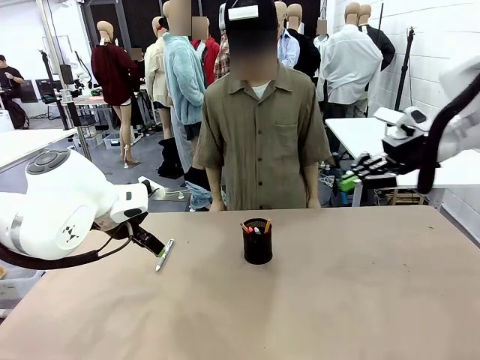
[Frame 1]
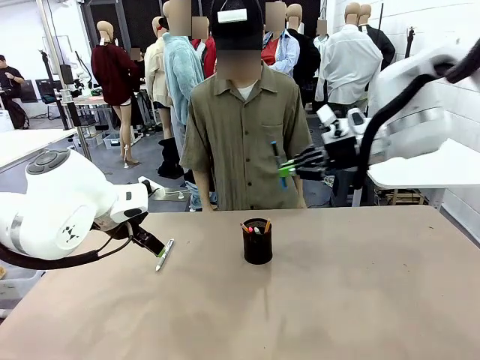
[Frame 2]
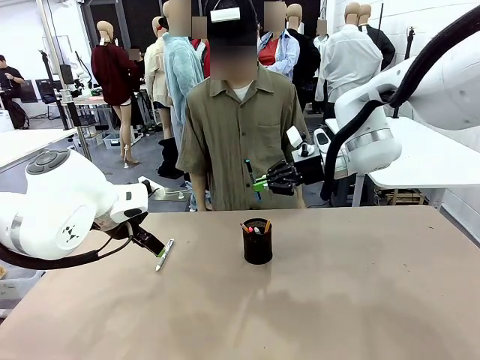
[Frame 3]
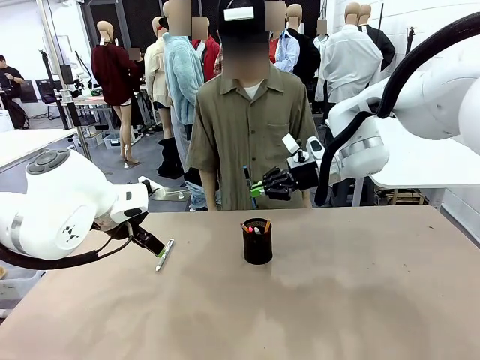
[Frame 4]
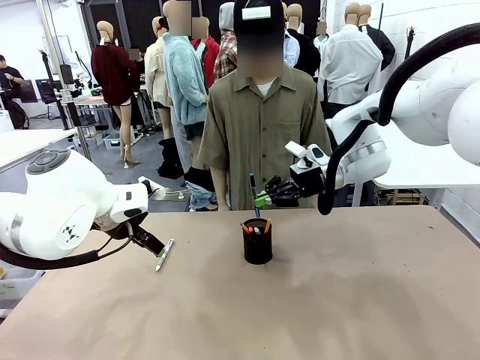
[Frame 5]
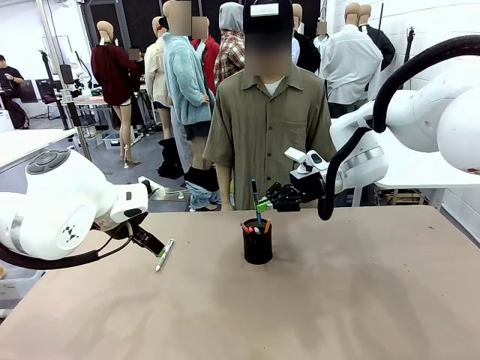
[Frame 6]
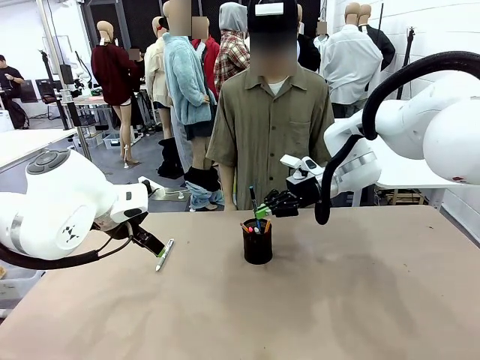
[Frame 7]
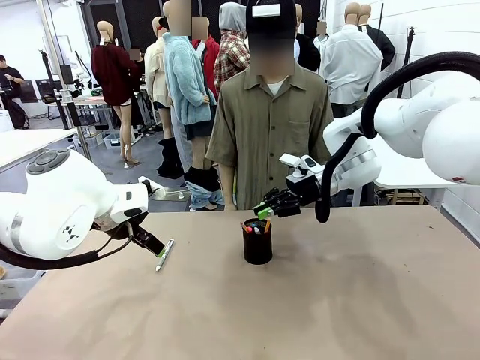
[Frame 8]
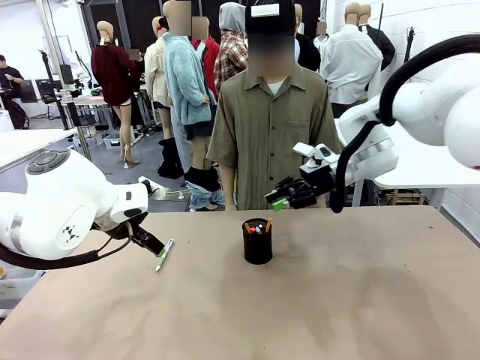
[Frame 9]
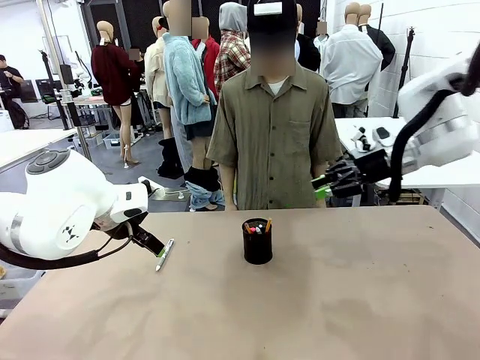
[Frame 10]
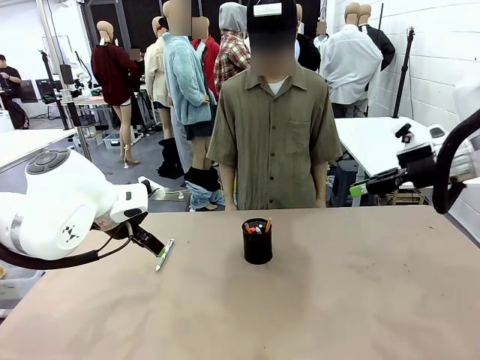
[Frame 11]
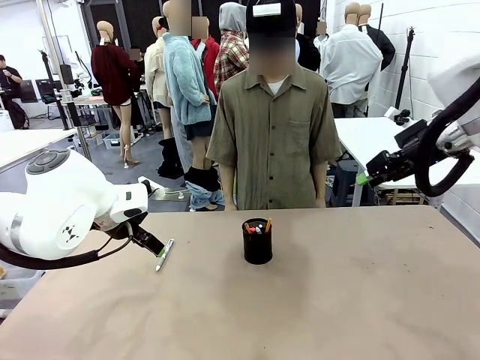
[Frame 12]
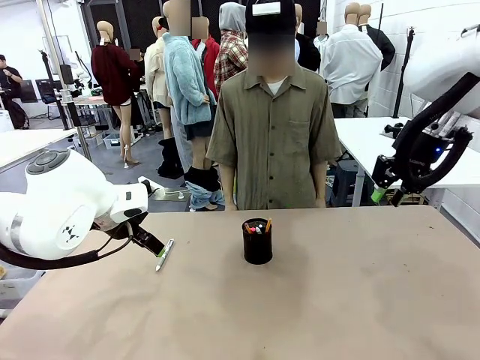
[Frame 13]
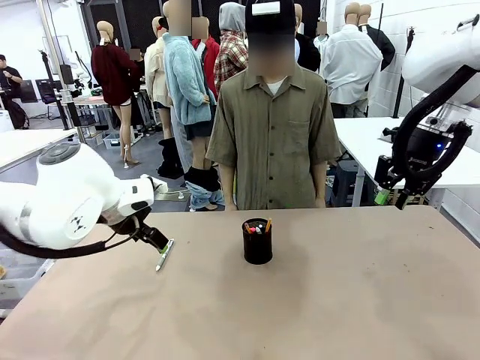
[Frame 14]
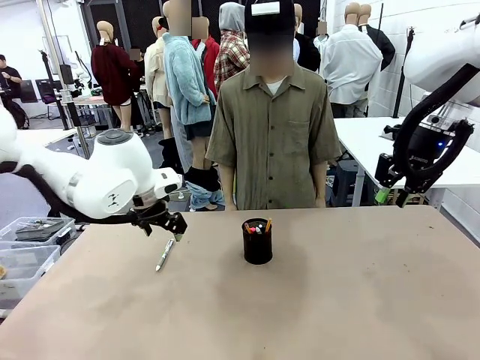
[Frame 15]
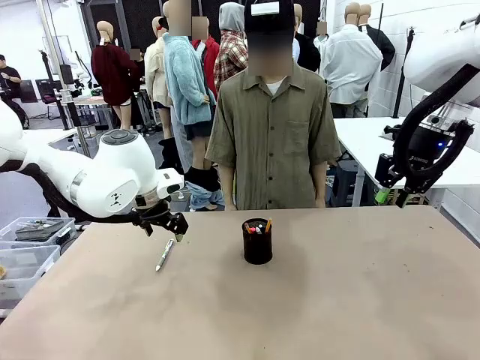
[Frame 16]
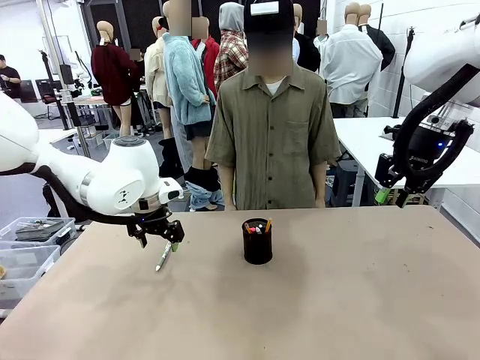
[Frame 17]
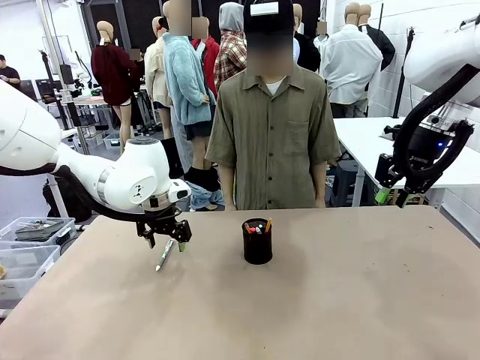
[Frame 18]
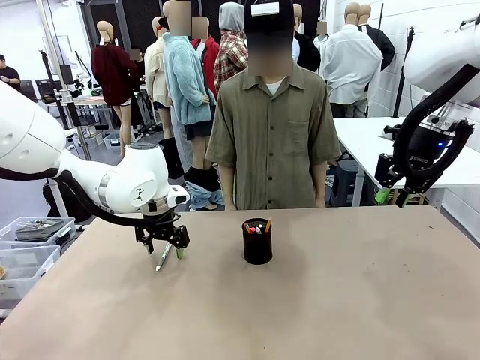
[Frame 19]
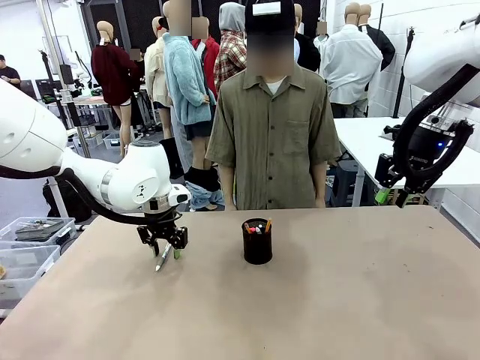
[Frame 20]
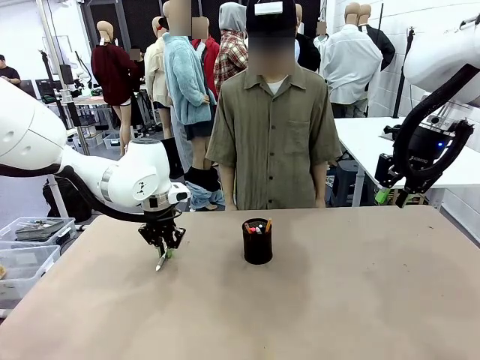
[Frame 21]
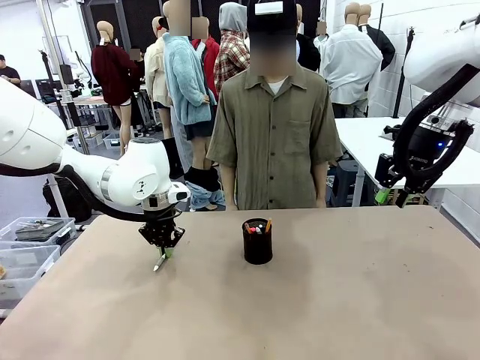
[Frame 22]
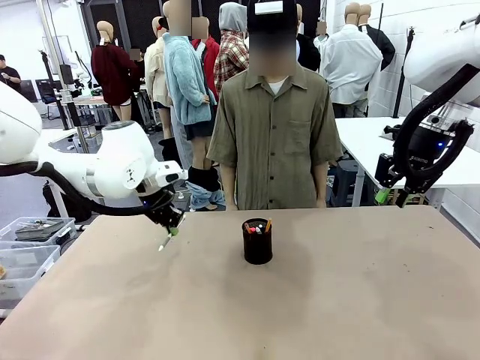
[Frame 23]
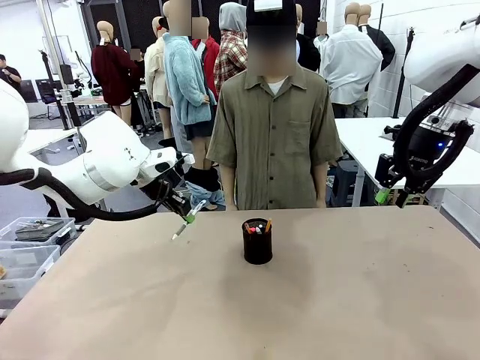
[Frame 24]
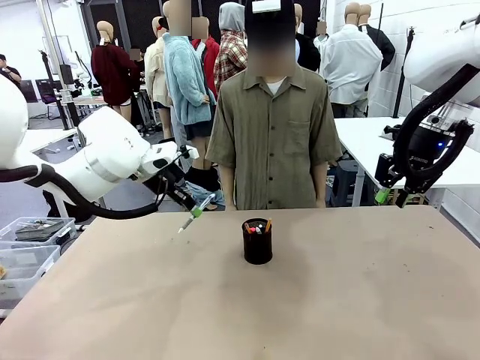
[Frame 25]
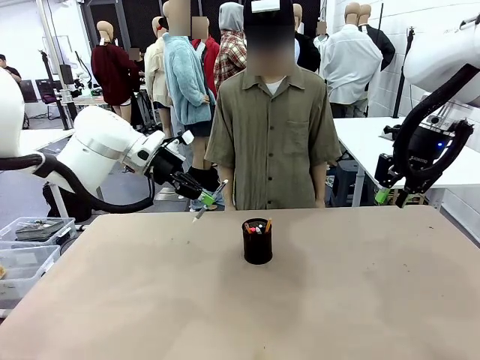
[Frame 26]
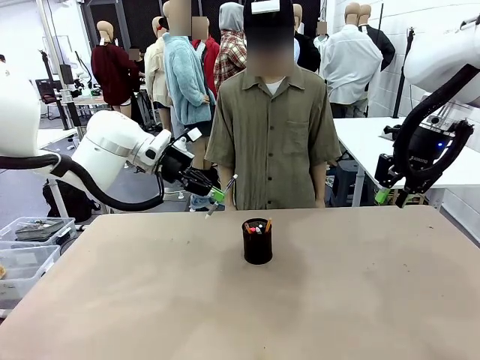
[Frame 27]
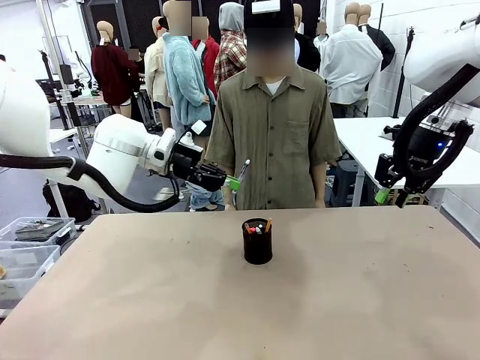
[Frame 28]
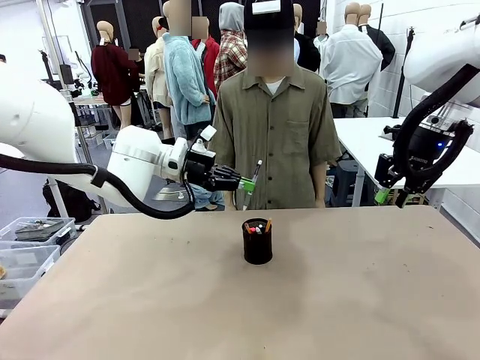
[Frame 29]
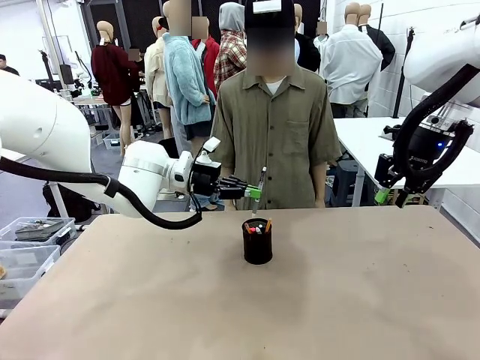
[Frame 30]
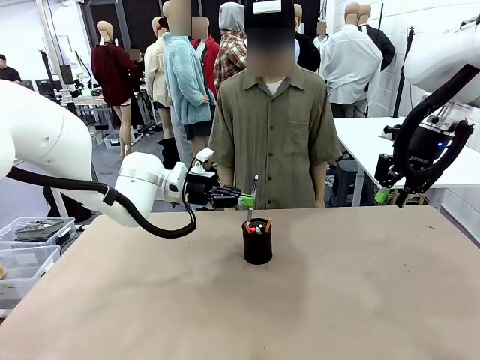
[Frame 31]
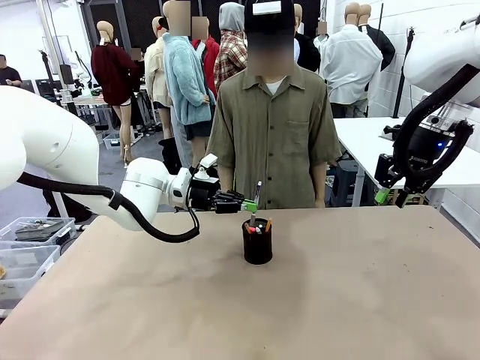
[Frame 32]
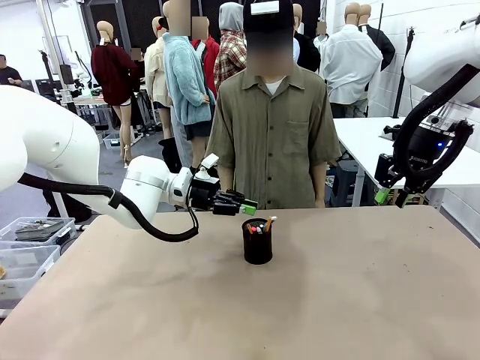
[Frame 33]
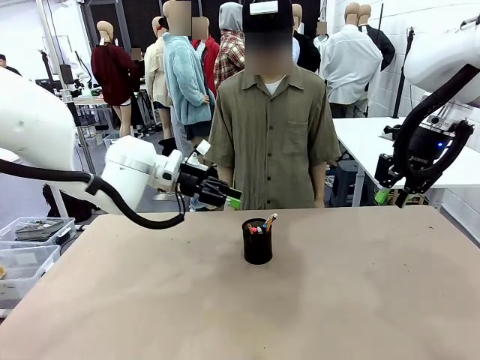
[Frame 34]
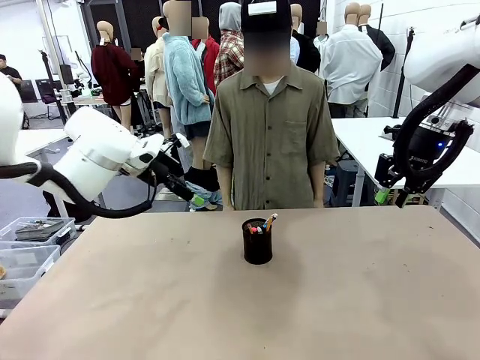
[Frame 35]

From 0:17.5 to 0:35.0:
Task: Place the pens into the pen holder.
Robot: Pick up a writing instrument from the table and place it into the Pen holder.
Person: Place all writing instrument into the Pen holder.

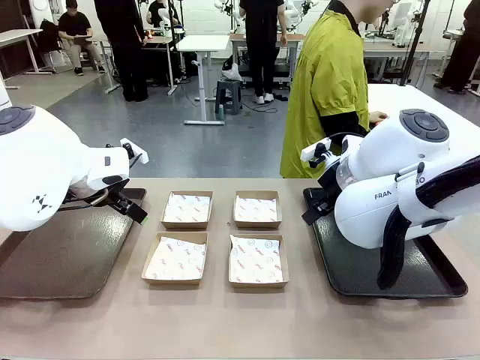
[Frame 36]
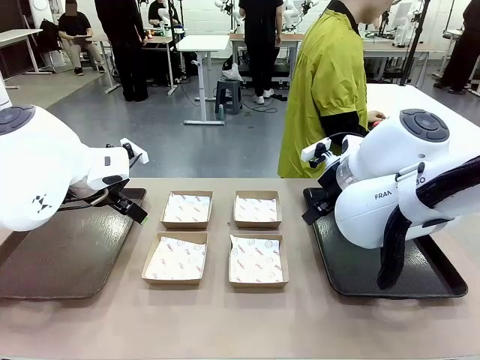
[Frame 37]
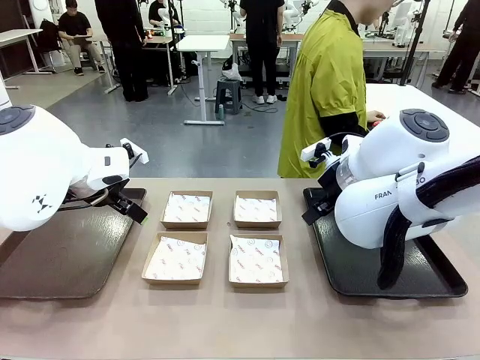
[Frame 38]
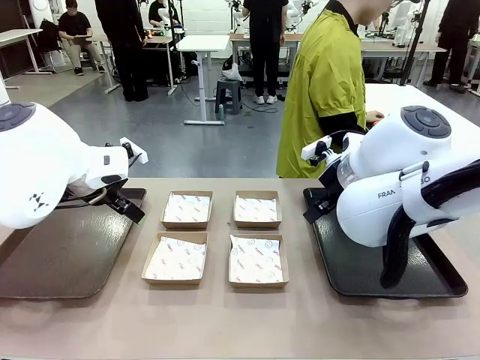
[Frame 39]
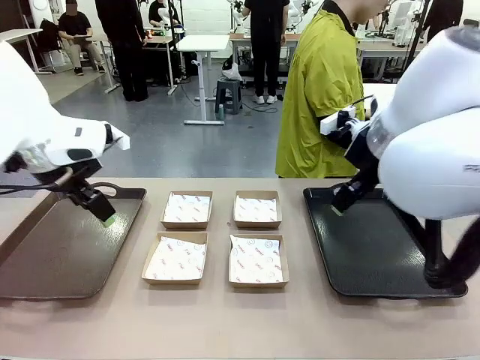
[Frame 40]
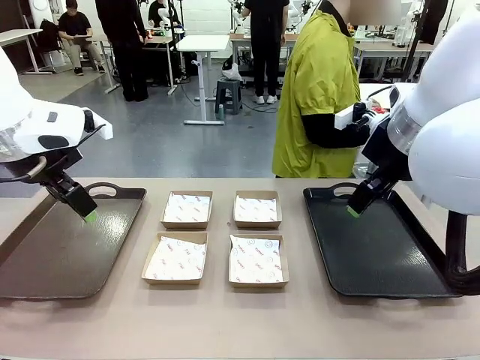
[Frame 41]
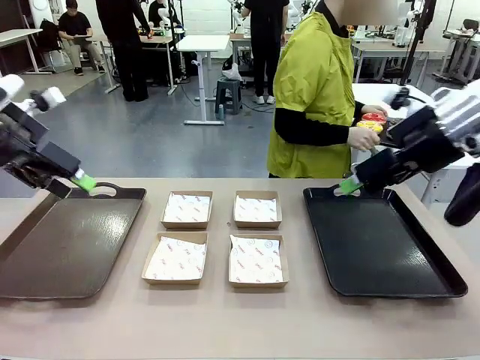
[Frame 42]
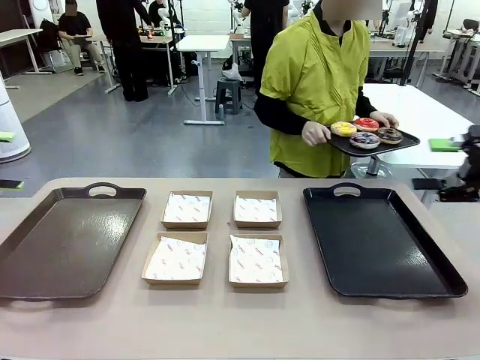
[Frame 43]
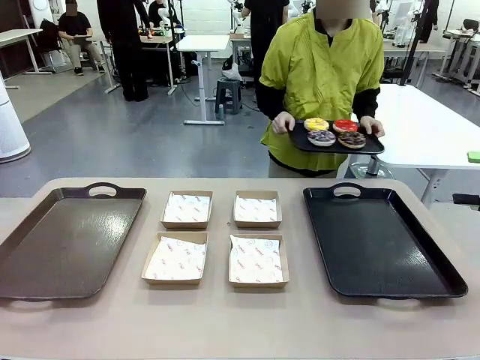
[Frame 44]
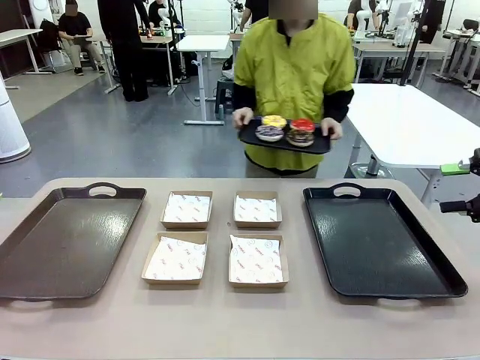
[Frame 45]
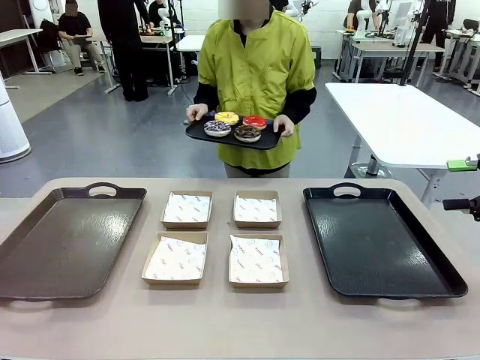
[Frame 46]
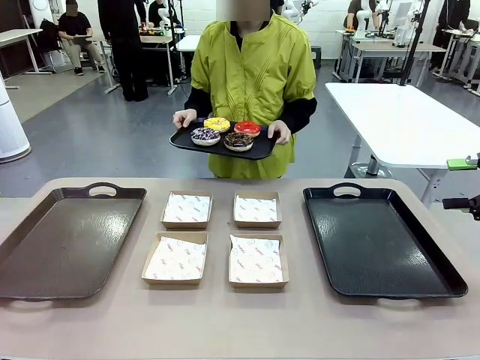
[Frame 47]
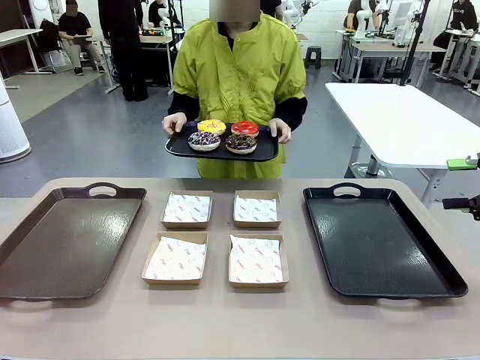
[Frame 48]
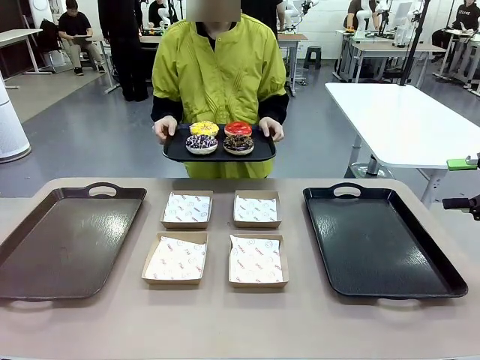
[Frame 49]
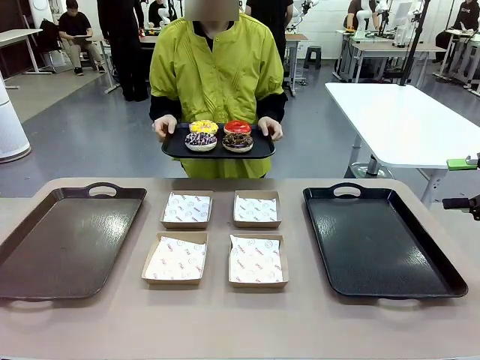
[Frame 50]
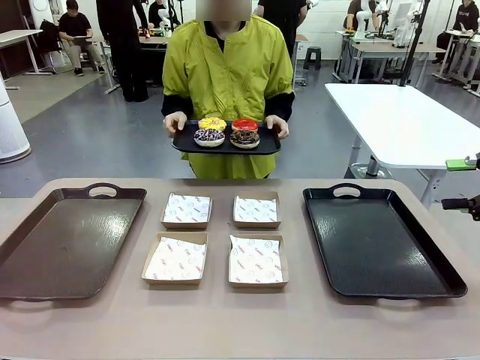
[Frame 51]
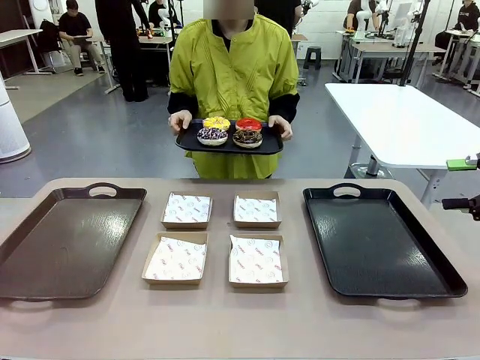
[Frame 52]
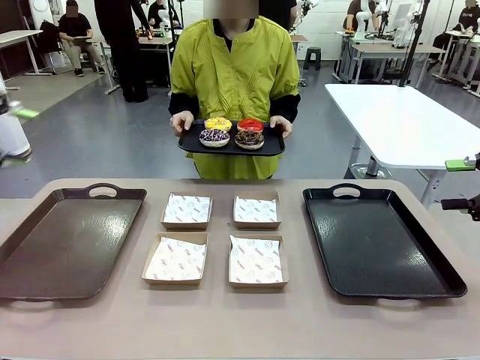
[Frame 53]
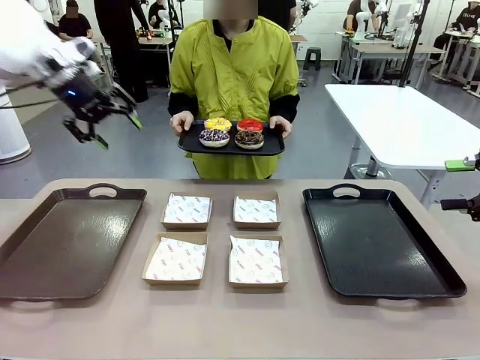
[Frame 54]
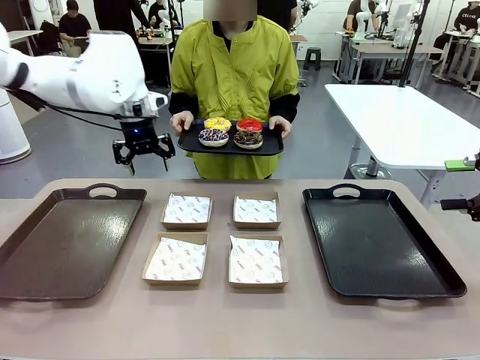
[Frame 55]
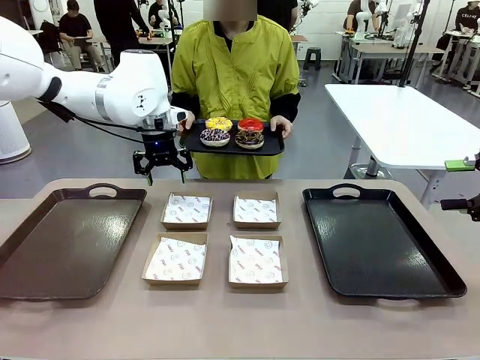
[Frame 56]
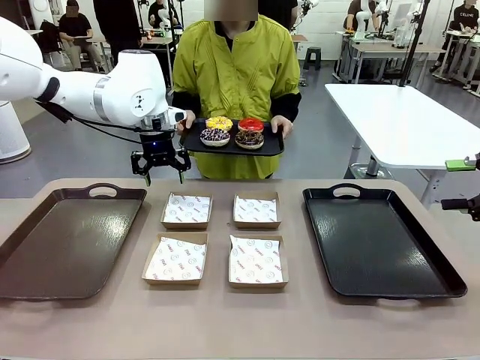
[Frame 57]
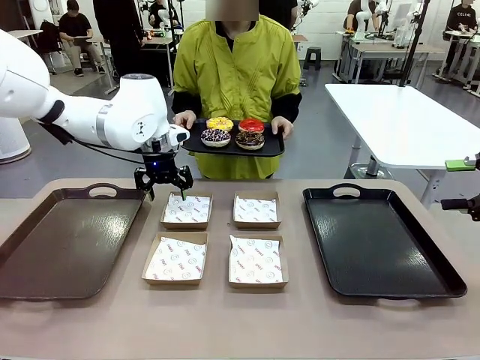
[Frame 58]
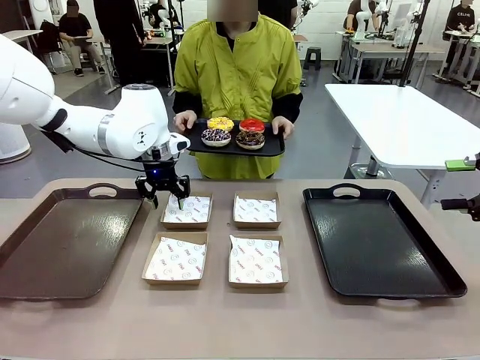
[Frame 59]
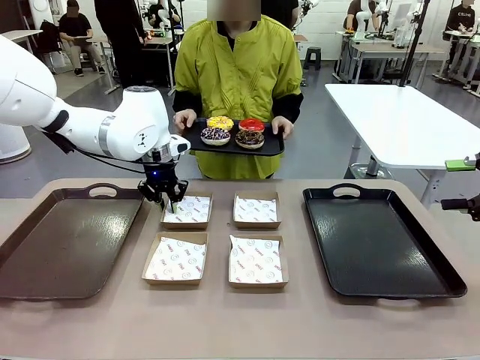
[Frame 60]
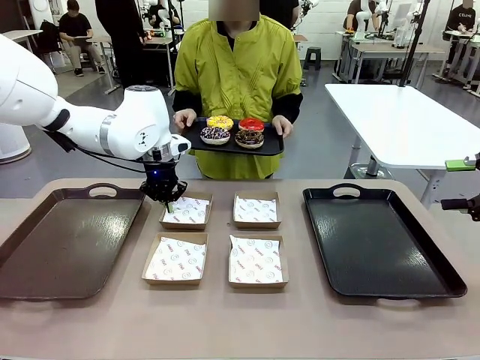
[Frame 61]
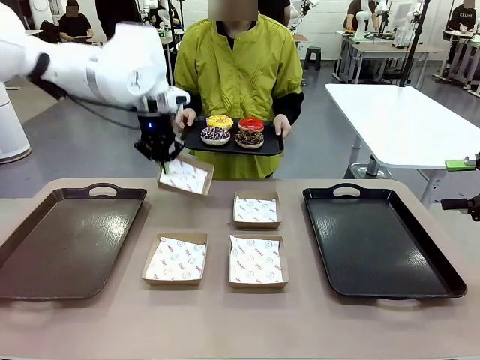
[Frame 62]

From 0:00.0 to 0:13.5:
Task: Individually package the donuts and arrange them on the tray.
Robot: Pick up one Paper togo box.
Person: Stand in front of the robot table holding the tray containing the donuts.
